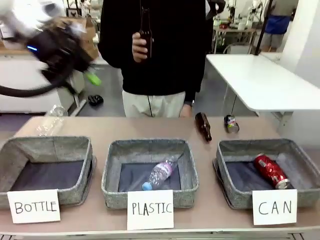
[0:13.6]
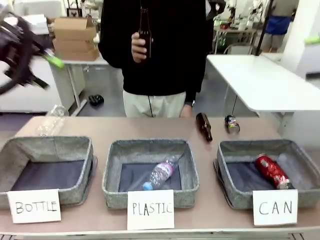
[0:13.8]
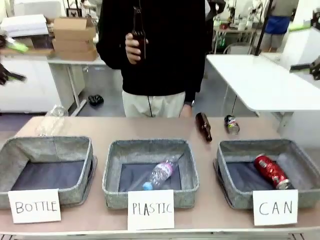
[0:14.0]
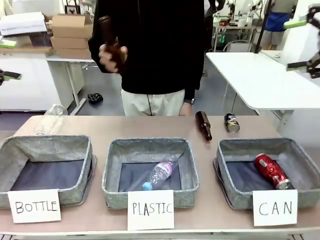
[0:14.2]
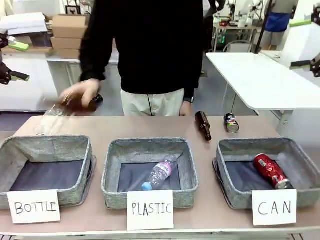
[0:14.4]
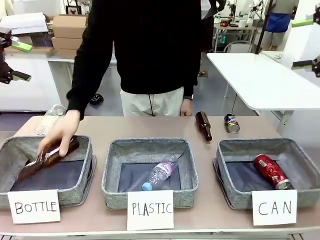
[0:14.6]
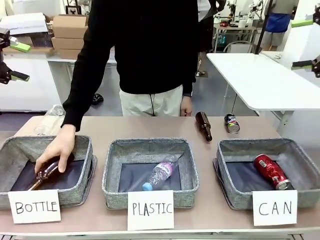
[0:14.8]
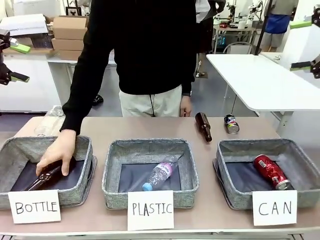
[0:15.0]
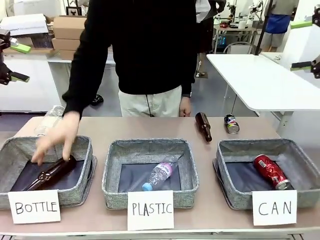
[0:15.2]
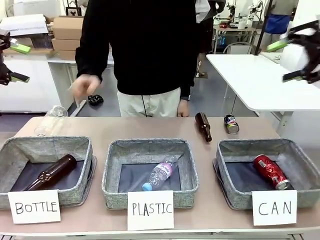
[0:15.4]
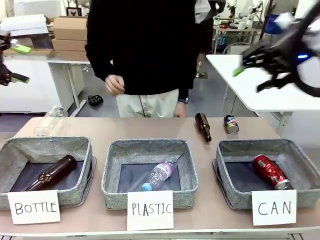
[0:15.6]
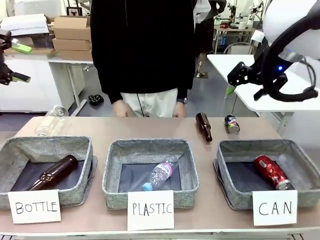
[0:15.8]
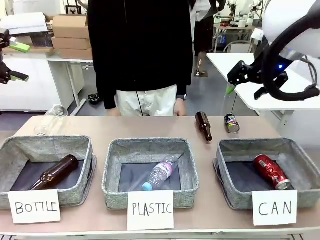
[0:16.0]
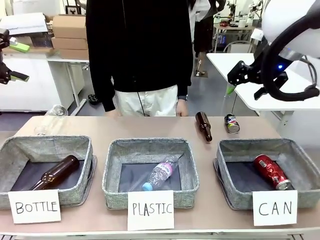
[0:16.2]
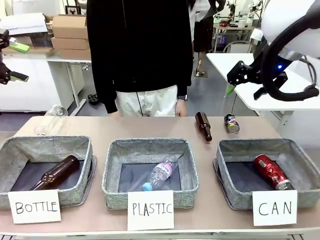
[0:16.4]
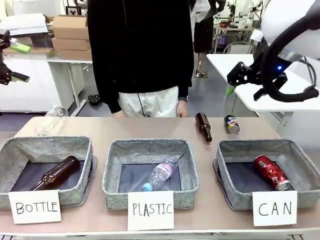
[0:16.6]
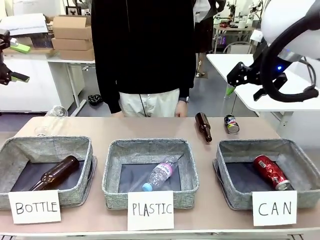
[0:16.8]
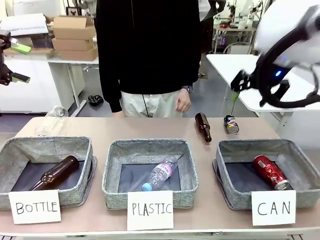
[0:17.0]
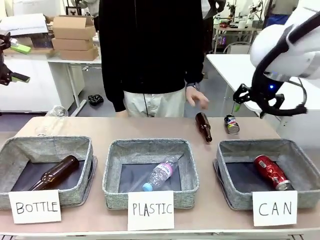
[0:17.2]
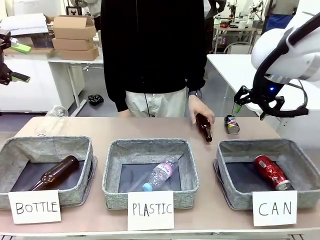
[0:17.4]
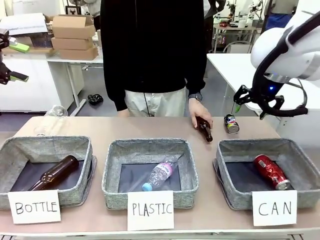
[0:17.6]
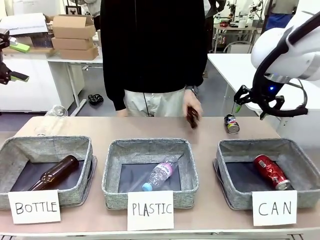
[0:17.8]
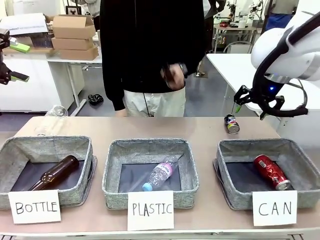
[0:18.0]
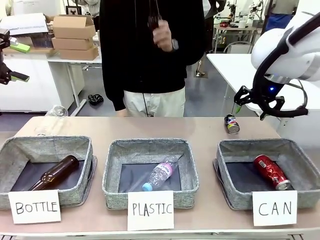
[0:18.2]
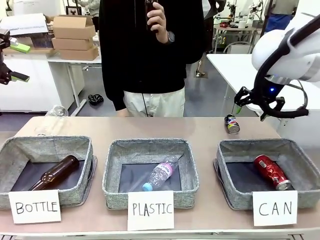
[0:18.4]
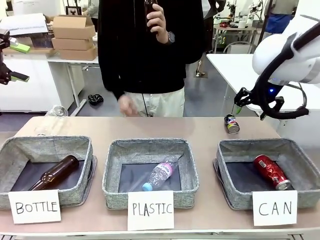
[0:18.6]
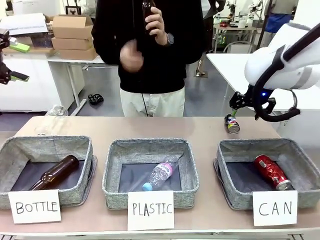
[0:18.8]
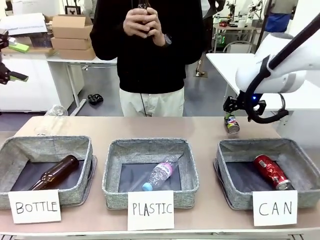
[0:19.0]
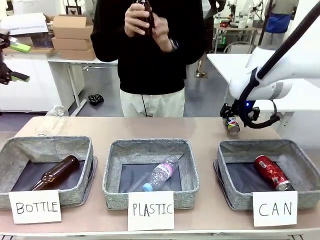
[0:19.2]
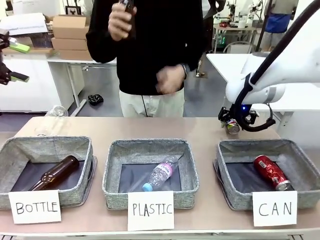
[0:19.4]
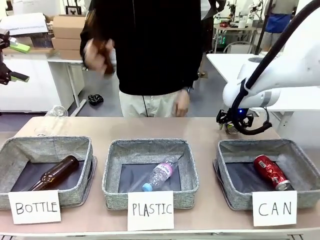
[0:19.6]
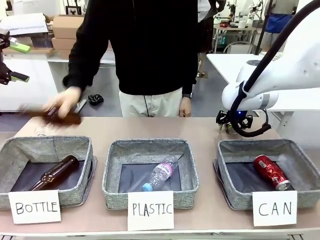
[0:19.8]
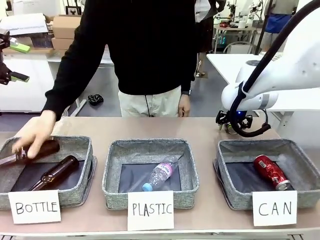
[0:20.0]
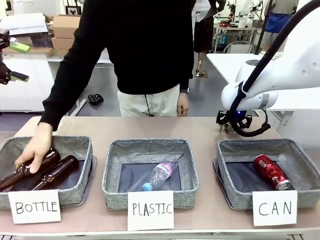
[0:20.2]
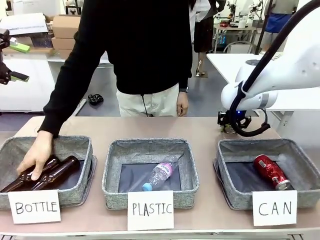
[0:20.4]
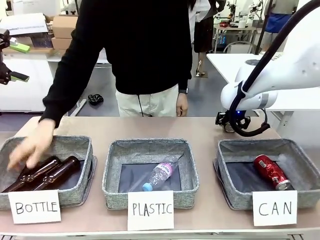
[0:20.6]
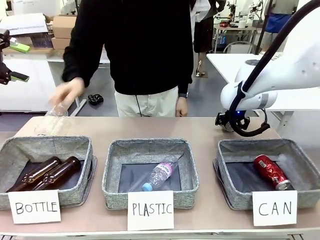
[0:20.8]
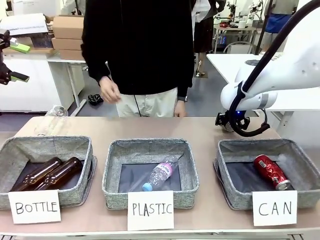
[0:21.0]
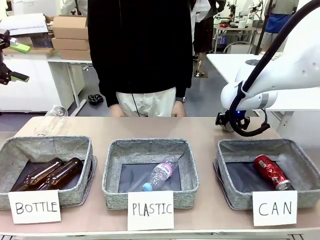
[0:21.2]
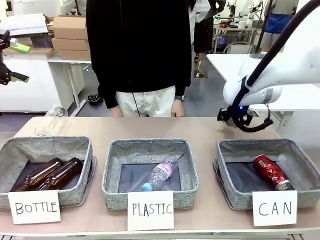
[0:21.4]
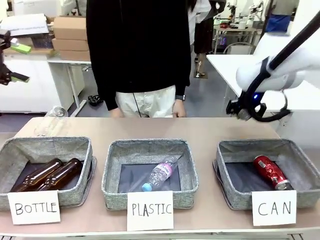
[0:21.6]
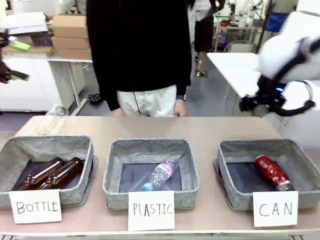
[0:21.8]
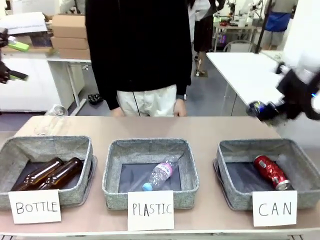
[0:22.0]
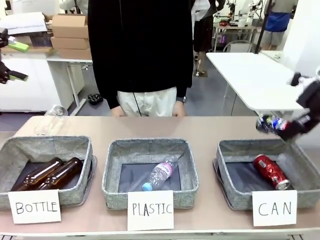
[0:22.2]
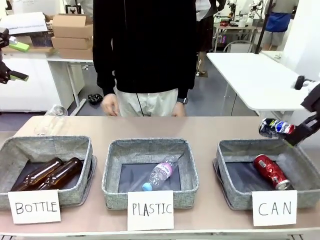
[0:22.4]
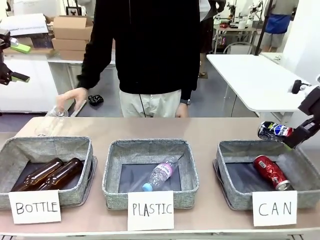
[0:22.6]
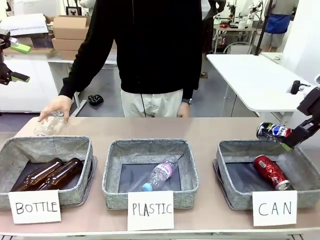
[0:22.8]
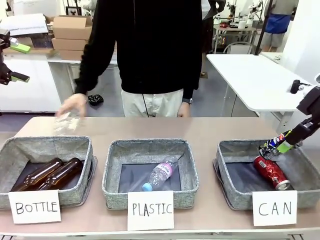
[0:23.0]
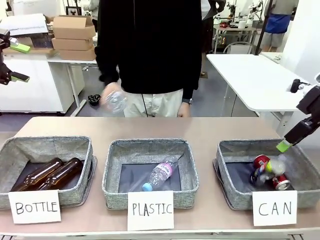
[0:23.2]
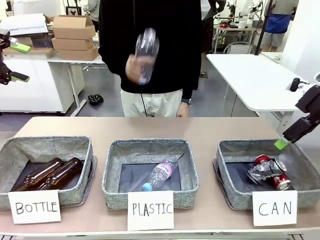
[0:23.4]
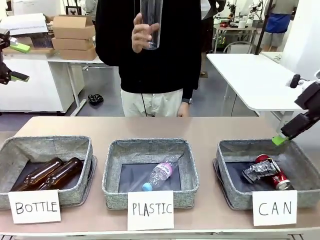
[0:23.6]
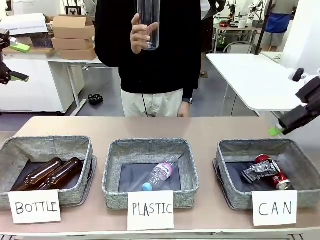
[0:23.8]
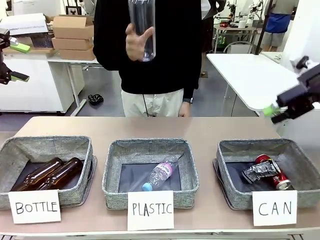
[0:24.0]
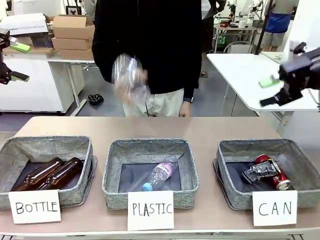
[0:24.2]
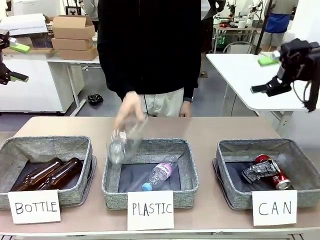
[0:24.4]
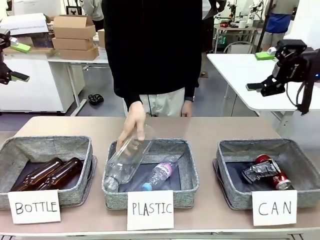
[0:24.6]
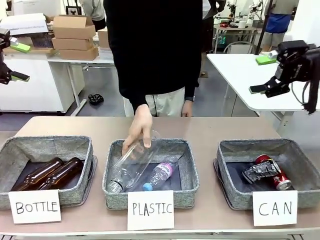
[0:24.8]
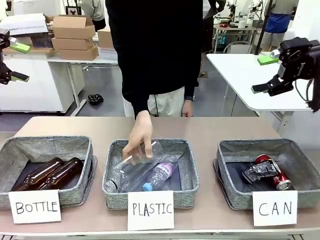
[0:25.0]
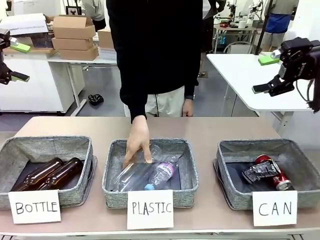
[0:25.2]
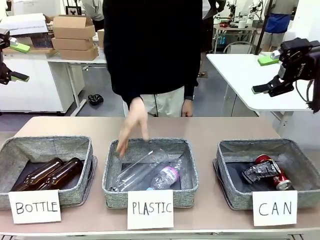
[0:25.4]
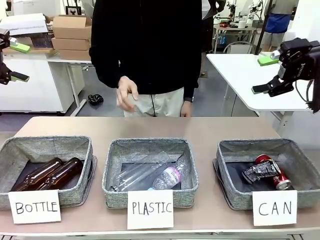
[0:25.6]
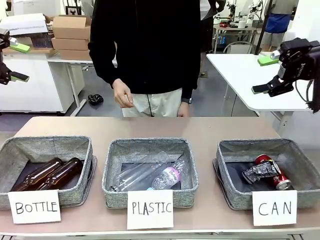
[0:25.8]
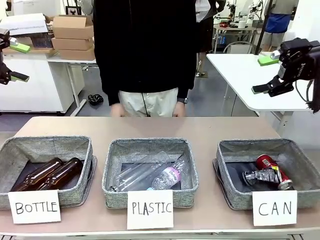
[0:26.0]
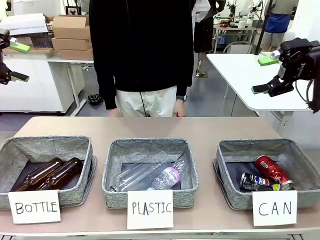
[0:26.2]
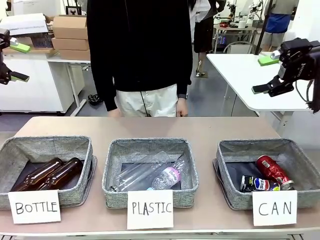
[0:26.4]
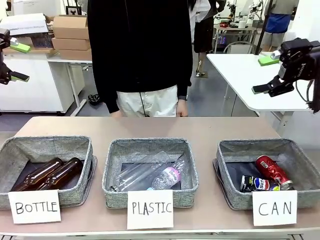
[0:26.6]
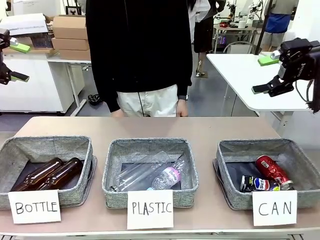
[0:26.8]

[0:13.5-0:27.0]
Task: Sort the can waste into the basket.
Robot: Pick up the can waste from the table and place it in the right Fabric basket.
